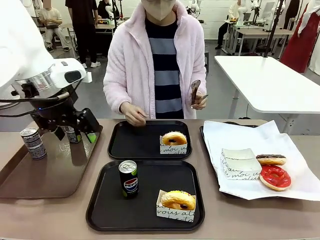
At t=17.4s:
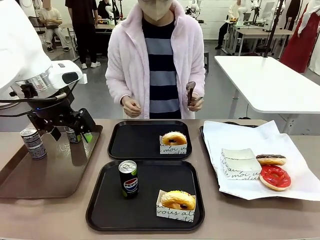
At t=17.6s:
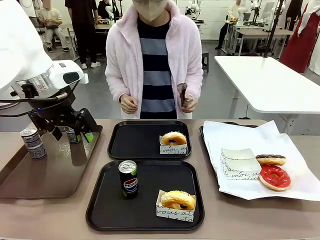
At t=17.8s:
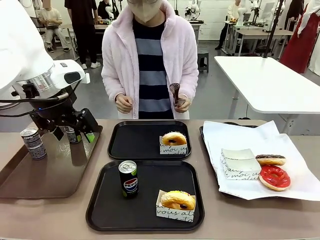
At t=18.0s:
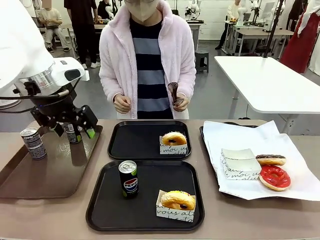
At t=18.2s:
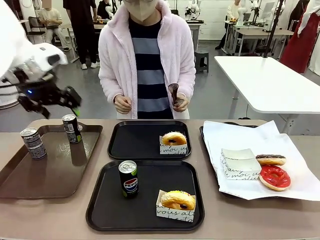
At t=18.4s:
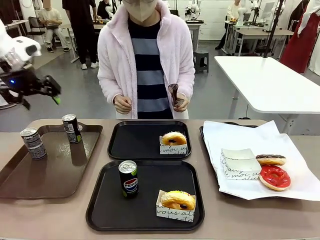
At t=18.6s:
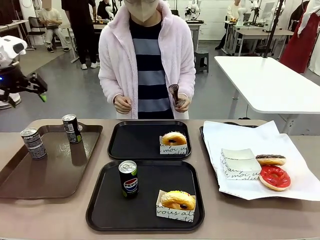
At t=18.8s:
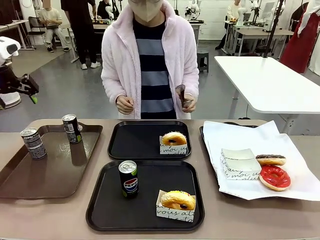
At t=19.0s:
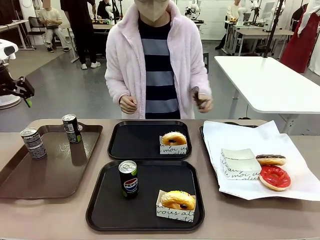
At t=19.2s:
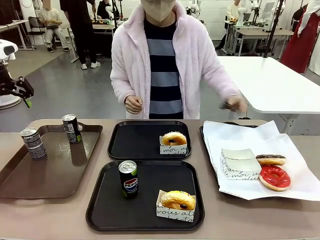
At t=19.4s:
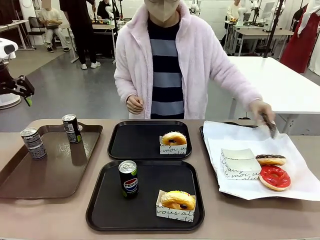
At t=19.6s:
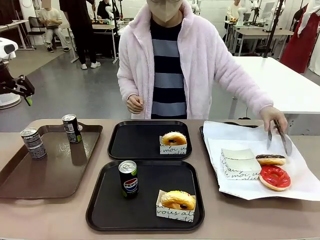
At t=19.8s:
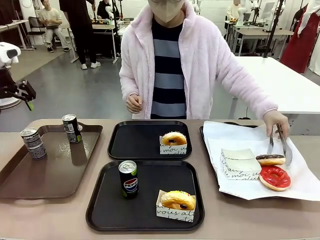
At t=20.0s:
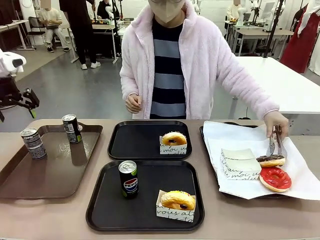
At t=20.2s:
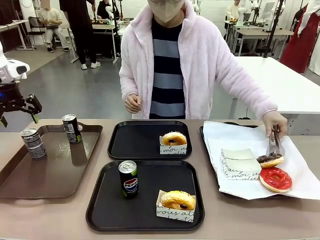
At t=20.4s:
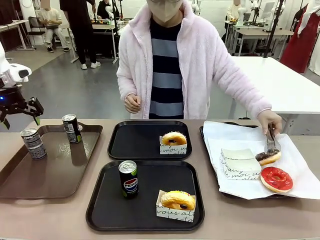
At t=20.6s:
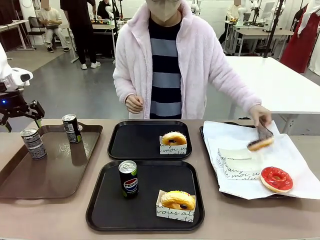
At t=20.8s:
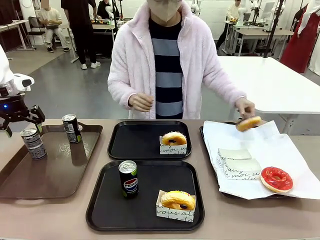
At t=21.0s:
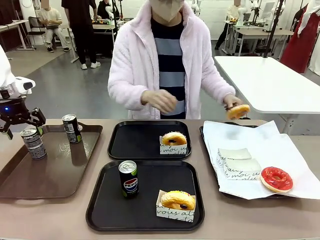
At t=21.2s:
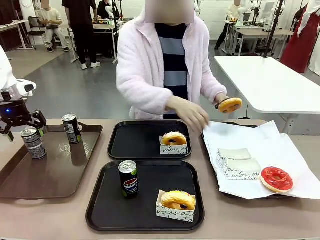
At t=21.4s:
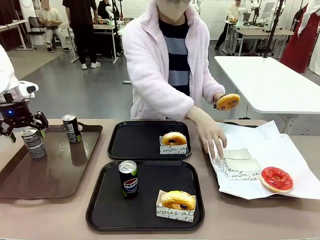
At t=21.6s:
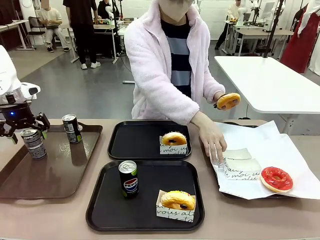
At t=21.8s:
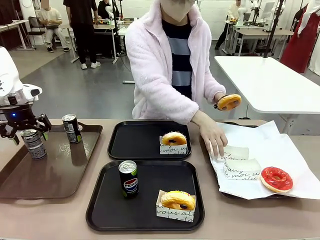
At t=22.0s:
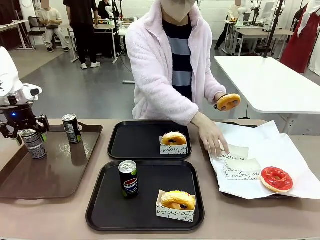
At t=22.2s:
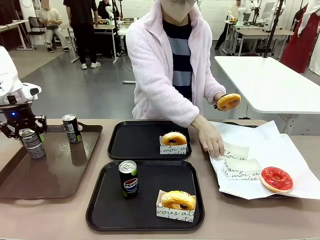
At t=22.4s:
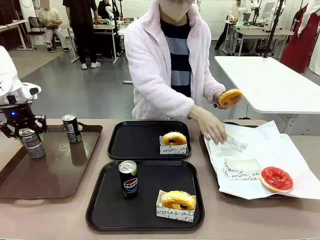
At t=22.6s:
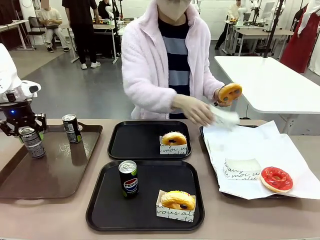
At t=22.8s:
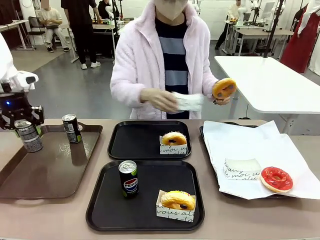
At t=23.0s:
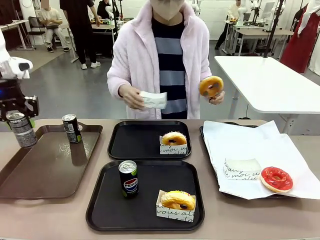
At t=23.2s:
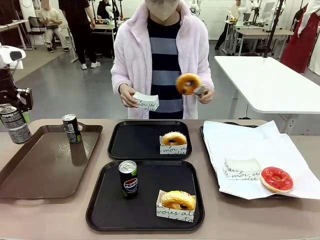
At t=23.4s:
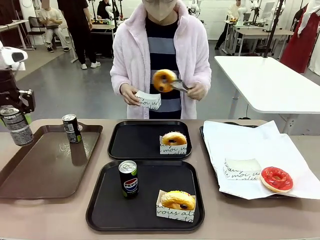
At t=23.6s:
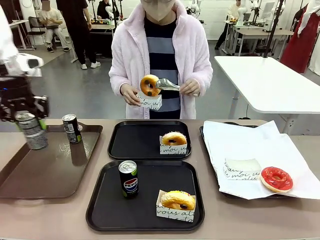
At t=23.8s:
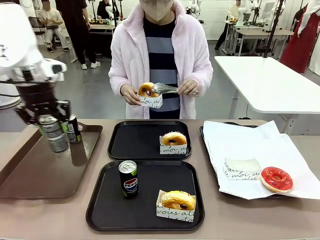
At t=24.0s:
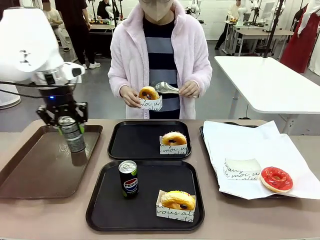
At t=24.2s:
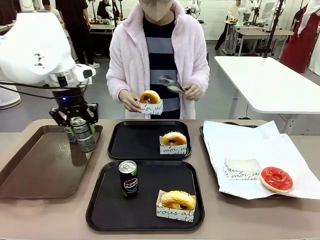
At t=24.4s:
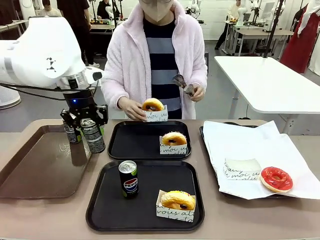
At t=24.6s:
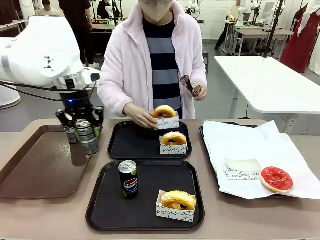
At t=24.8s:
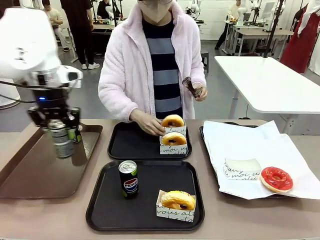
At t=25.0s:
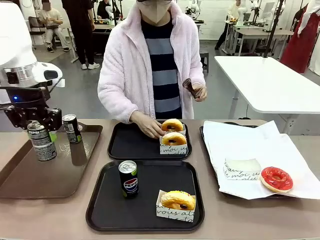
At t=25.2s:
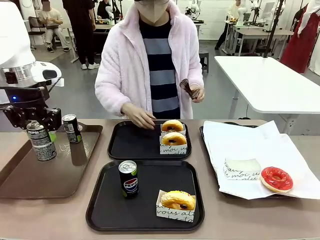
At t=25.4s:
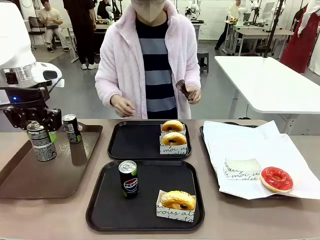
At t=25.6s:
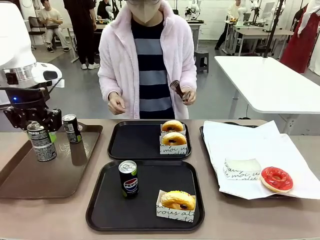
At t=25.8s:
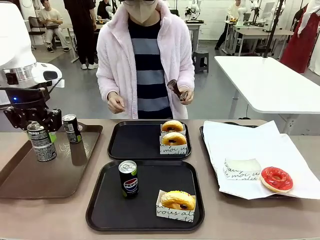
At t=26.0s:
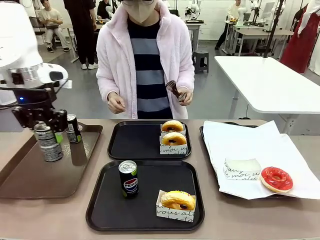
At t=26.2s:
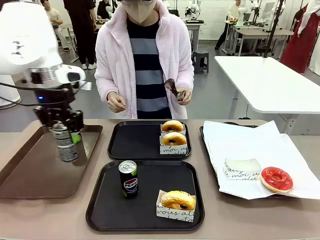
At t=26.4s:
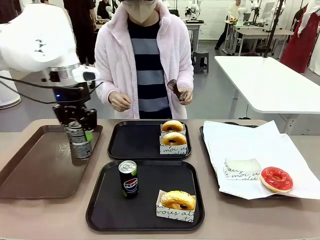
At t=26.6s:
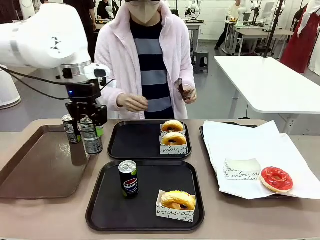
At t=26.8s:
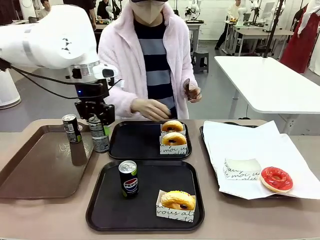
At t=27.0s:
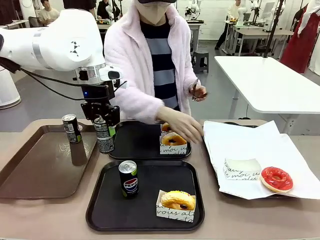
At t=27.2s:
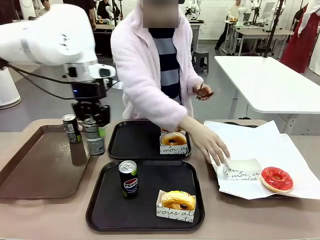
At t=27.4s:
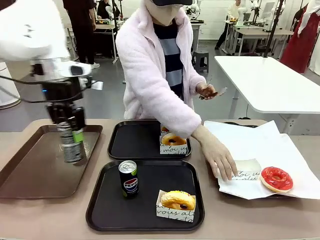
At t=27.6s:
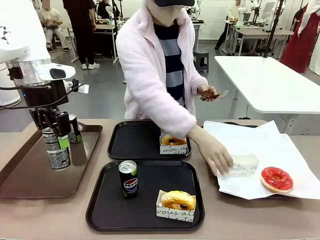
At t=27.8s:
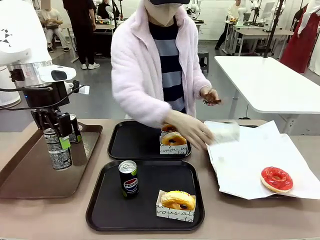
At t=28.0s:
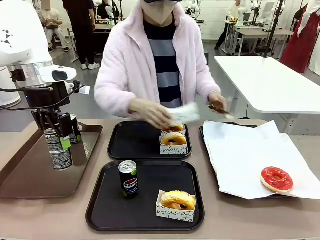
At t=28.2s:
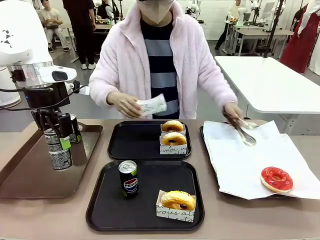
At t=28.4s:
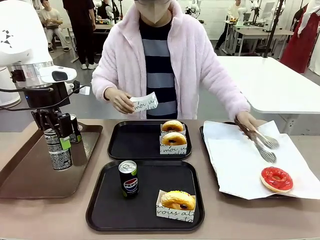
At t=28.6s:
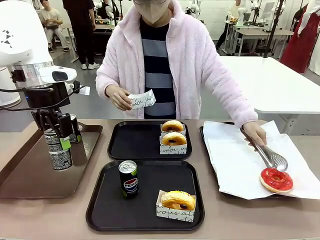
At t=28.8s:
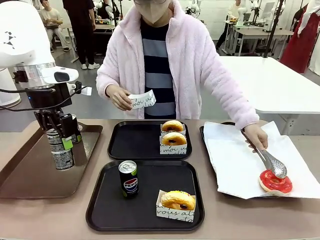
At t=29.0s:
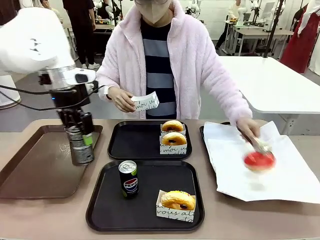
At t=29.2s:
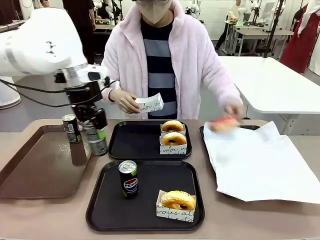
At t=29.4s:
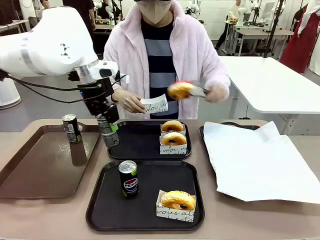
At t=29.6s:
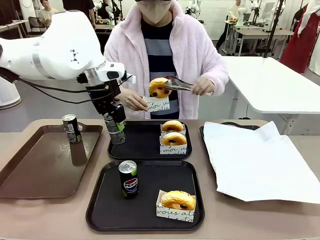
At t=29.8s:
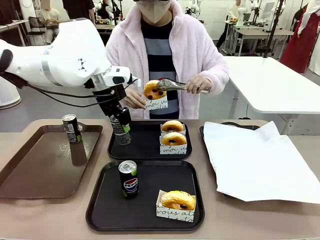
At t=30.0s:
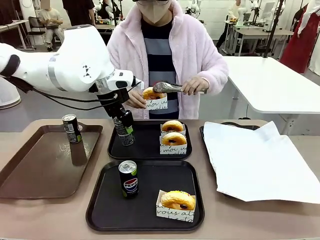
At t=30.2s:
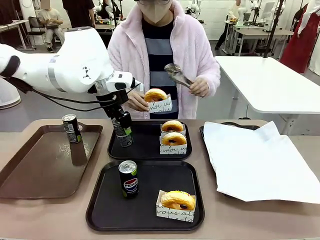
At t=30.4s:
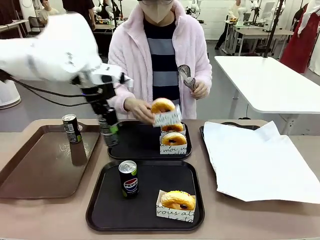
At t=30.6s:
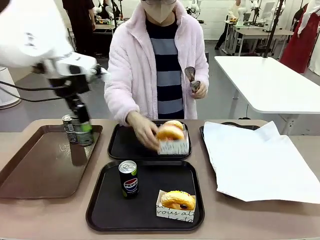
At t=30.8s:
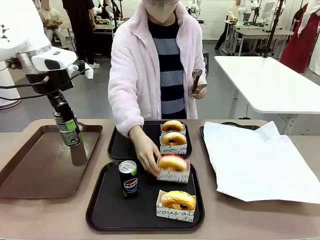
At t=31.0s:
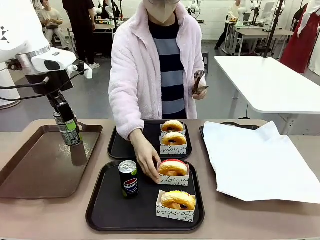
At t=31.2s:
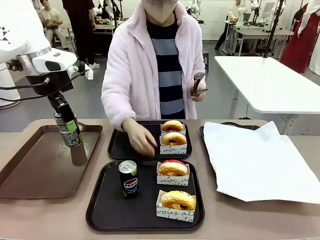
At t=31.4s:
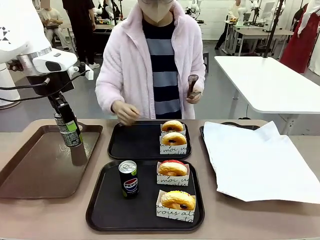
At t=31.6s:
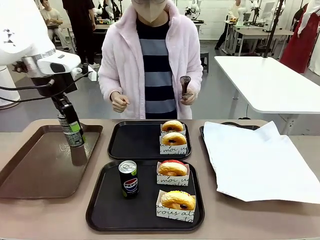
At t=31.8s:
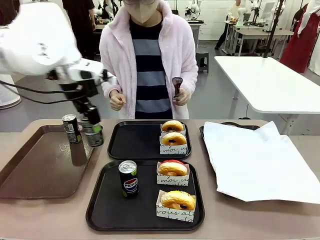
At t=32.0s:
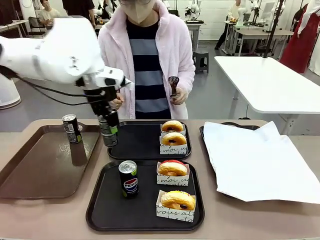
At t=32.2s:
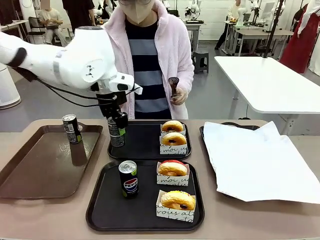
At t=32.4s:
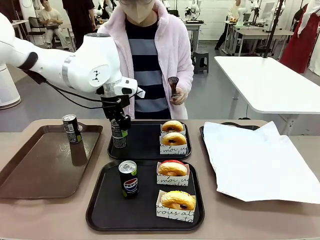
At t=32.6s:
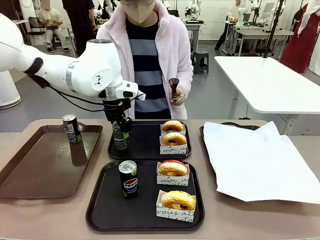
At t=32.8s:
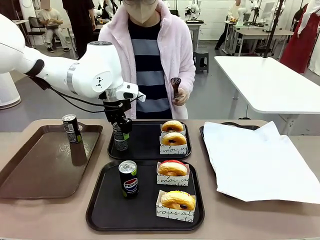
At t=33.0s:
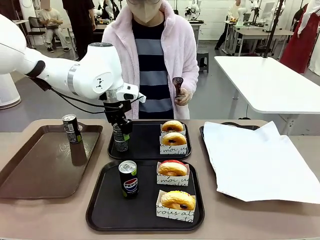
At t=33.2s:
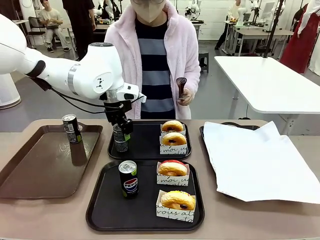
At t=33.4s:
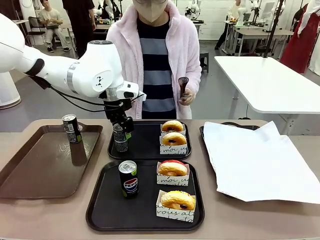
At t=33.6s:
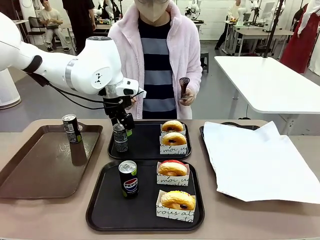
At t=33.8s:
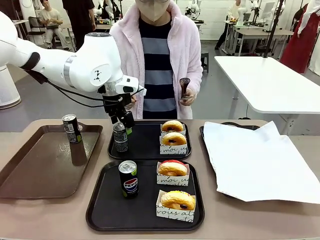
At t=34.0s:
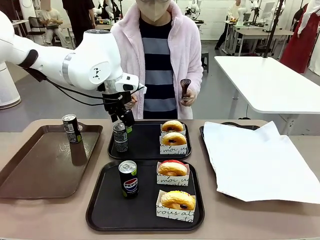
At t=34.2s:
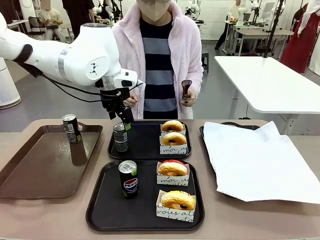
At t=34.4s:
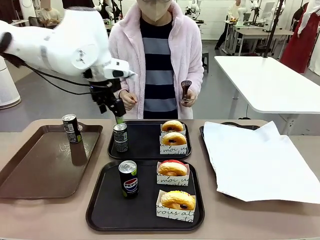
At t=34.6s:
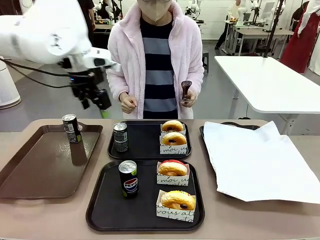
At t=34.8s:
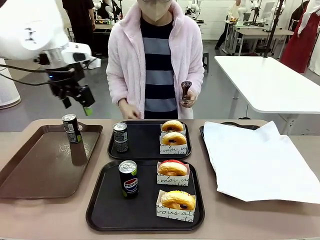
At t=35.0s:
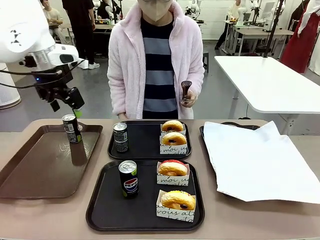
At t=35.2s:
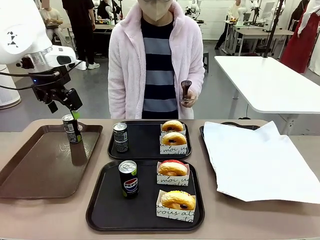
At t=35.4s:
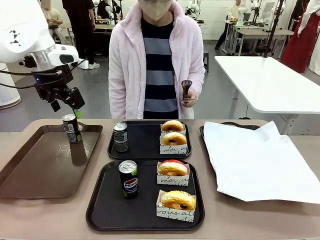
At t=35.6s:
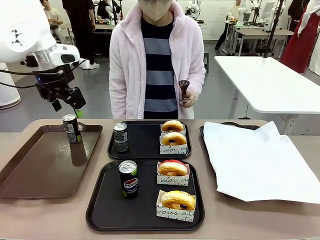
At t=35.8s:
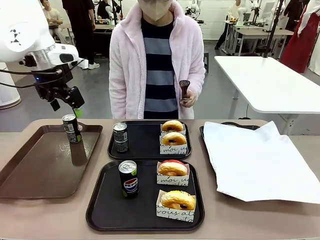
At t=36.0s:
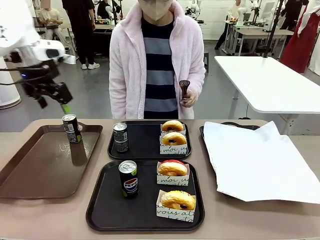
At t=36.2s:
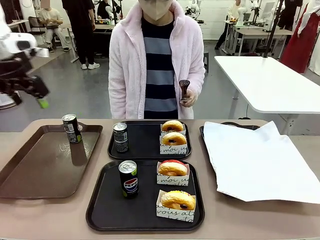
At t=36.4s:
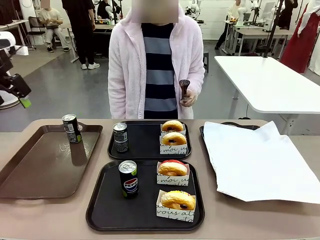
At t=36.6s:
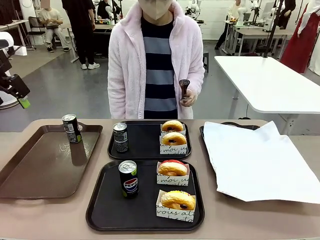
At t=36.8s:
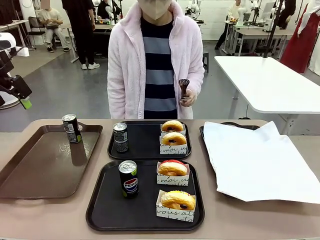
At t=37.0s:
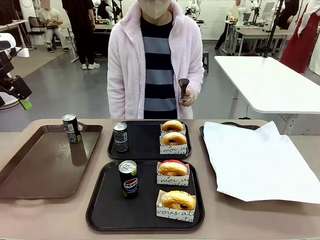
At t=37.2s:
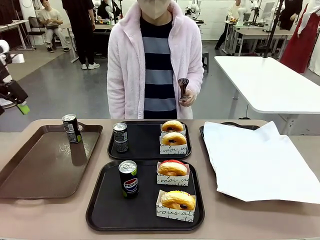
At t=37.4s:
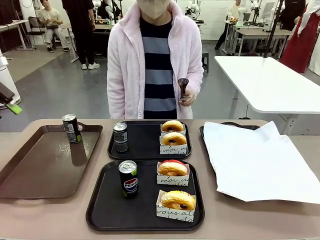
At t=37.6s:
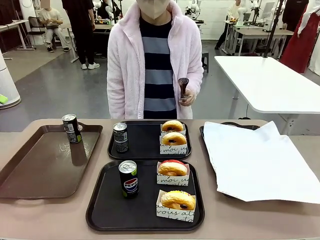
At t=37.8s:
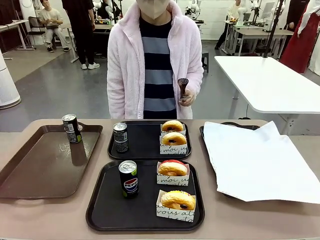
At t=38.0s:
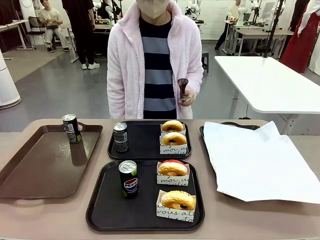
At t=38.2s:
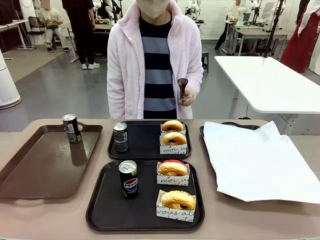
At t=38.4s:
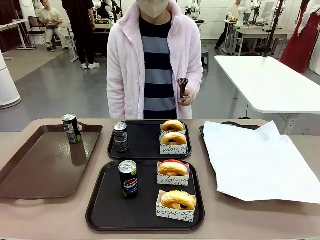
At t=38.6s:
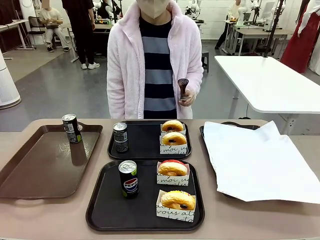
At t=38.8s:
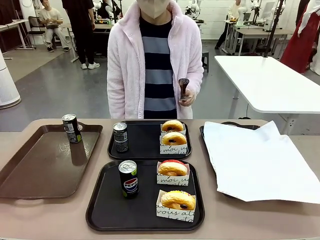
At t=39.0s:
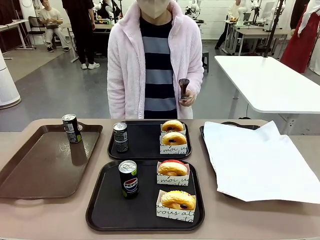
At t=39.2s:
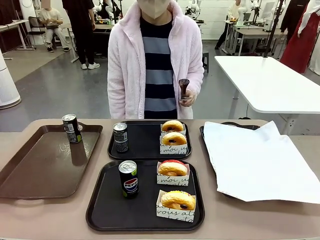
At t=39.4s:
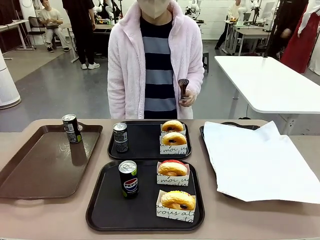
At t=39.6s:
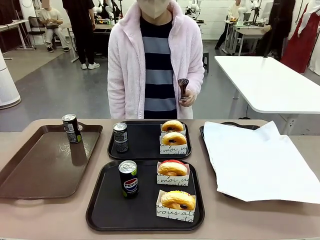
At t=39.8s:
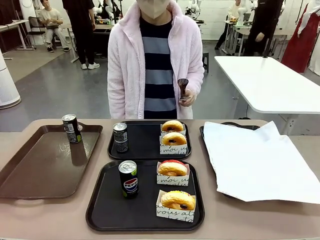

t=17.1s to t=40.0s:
Task: Set up donuts and drinks on trays.
Robot: Pick up one Pepsi coke from the Handle tray and place it on the Flat Tray without a Pepsi coke.
Person: Pick up one donut with tongs, place it in the donut tray, and then place the donut tray on the flat tray.
